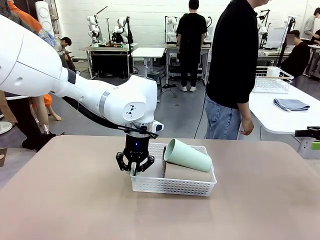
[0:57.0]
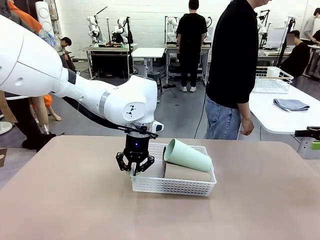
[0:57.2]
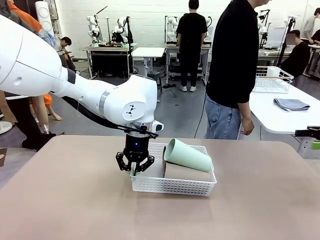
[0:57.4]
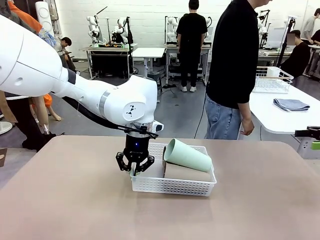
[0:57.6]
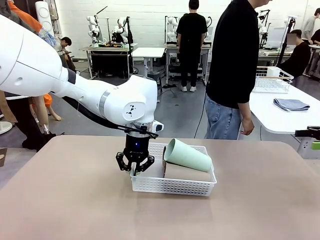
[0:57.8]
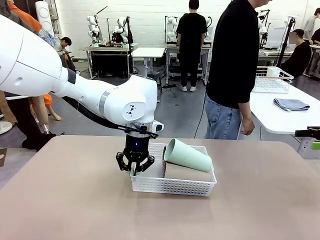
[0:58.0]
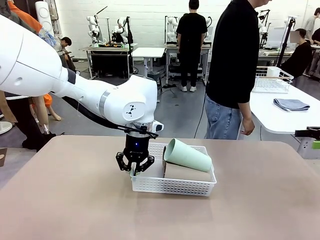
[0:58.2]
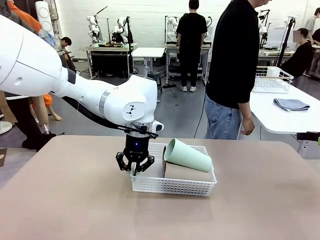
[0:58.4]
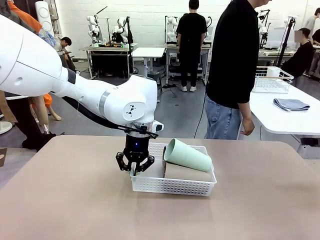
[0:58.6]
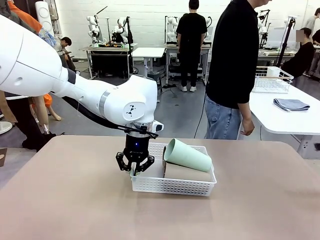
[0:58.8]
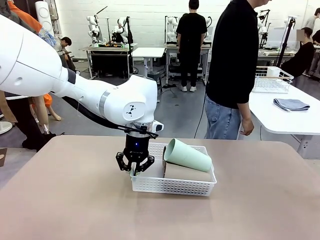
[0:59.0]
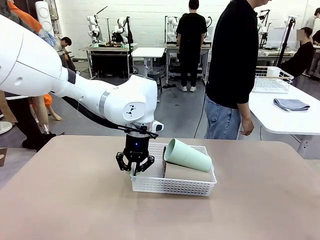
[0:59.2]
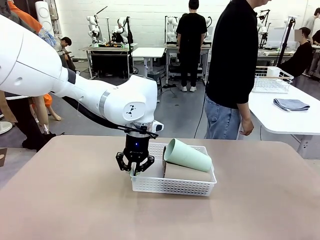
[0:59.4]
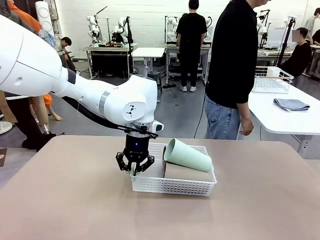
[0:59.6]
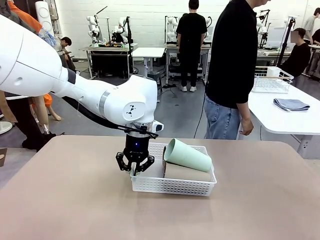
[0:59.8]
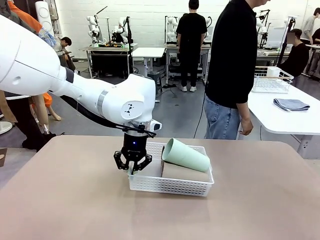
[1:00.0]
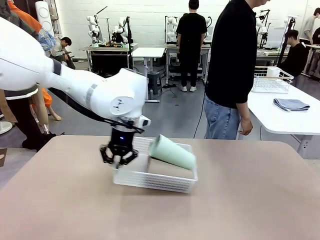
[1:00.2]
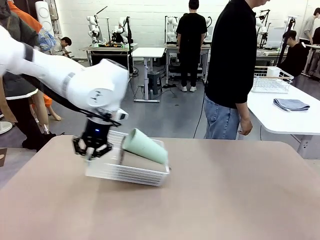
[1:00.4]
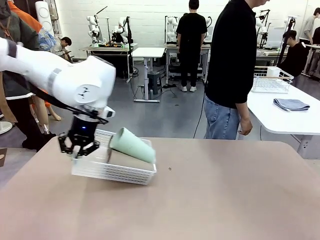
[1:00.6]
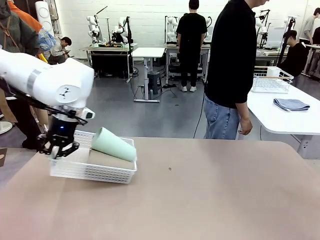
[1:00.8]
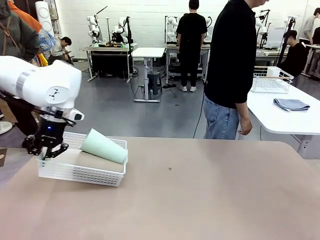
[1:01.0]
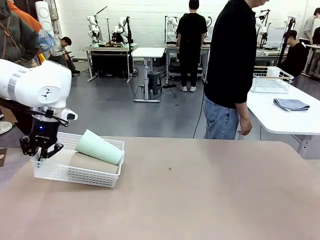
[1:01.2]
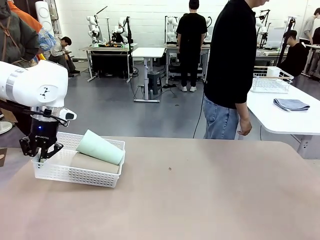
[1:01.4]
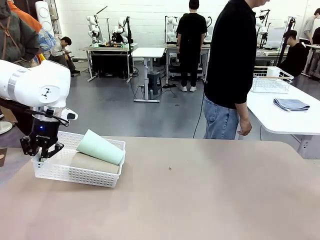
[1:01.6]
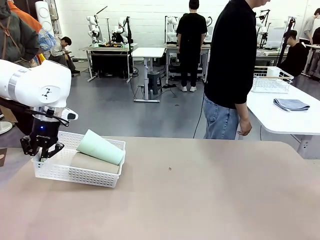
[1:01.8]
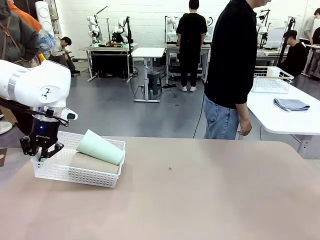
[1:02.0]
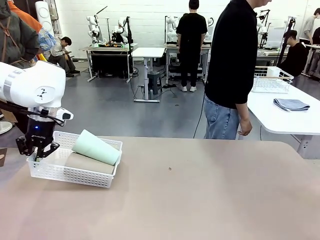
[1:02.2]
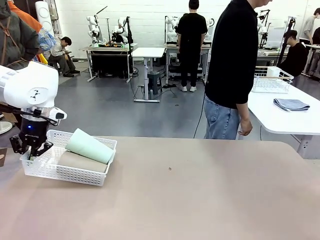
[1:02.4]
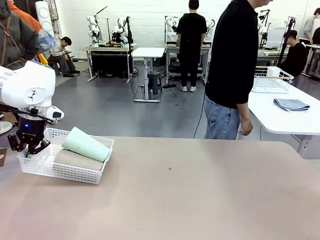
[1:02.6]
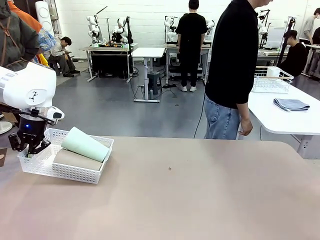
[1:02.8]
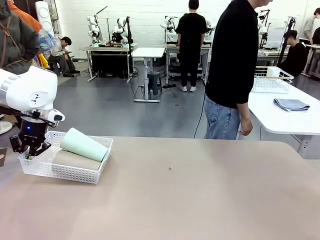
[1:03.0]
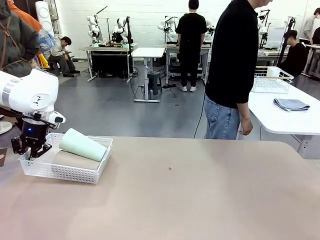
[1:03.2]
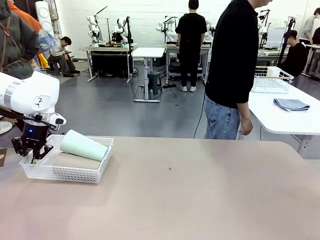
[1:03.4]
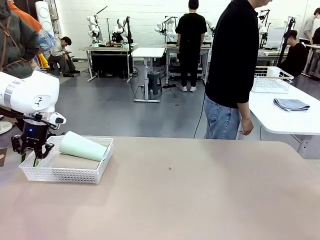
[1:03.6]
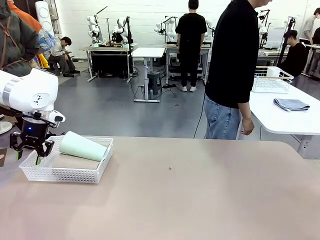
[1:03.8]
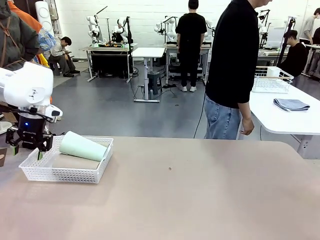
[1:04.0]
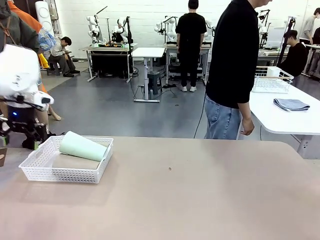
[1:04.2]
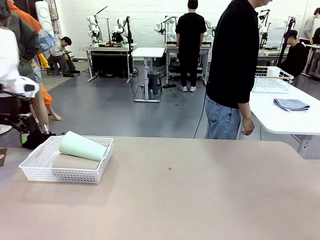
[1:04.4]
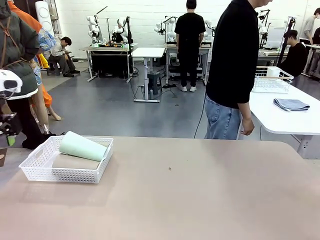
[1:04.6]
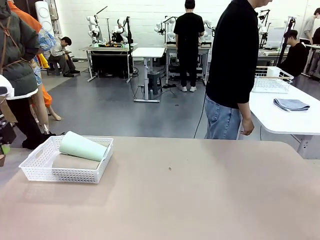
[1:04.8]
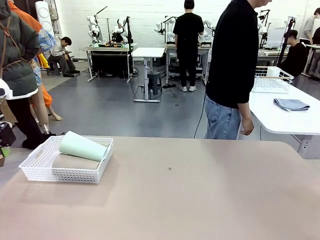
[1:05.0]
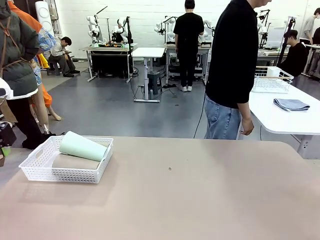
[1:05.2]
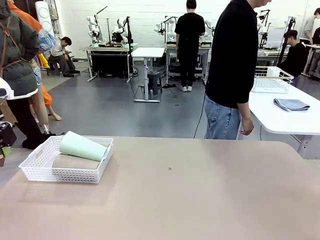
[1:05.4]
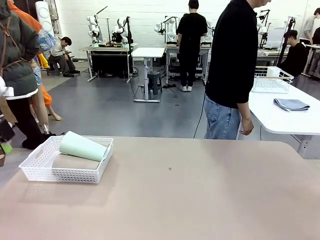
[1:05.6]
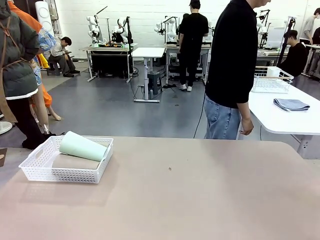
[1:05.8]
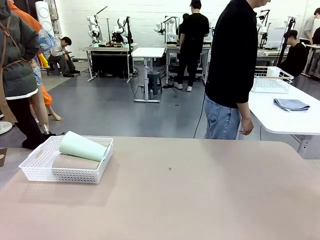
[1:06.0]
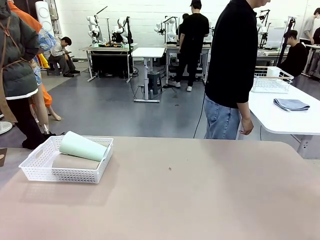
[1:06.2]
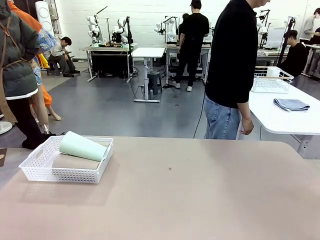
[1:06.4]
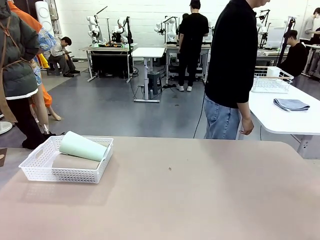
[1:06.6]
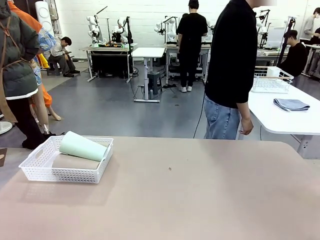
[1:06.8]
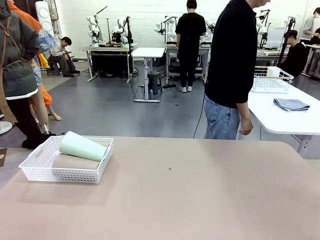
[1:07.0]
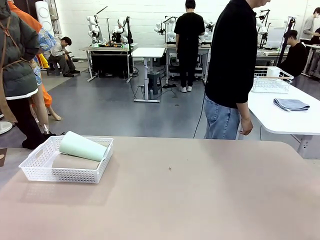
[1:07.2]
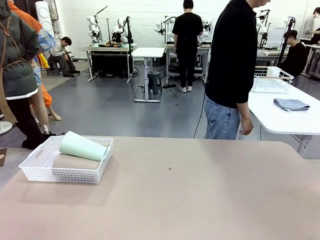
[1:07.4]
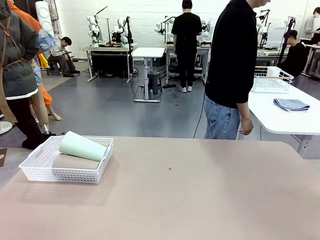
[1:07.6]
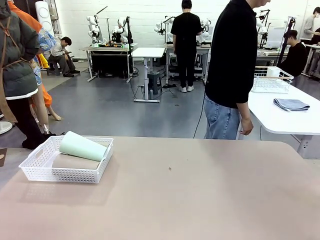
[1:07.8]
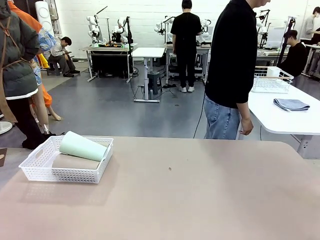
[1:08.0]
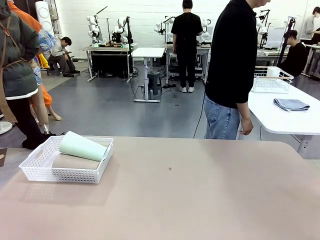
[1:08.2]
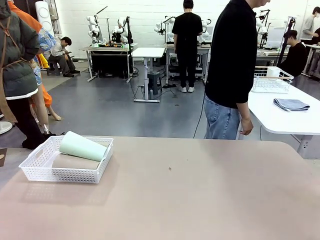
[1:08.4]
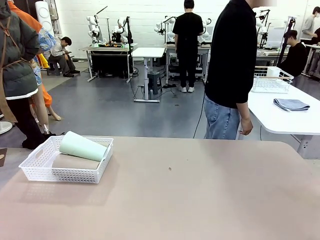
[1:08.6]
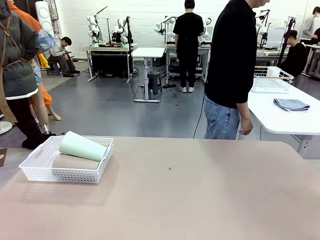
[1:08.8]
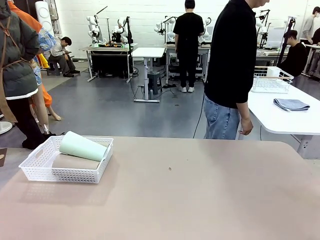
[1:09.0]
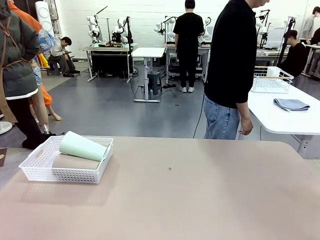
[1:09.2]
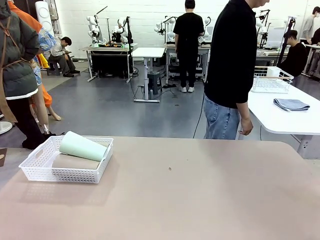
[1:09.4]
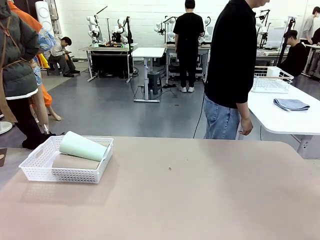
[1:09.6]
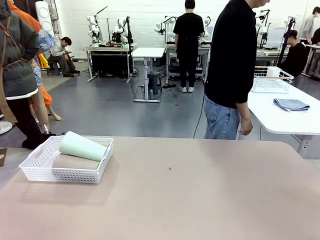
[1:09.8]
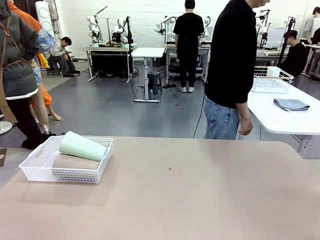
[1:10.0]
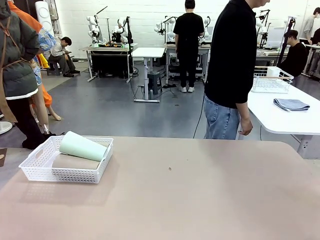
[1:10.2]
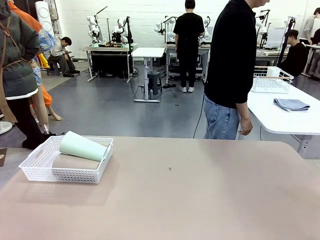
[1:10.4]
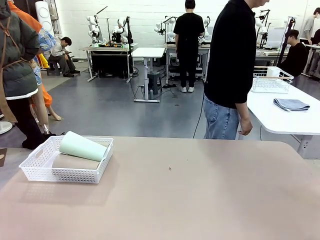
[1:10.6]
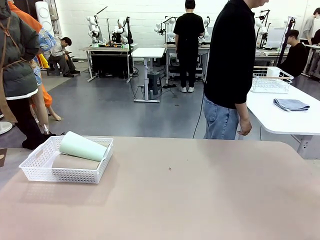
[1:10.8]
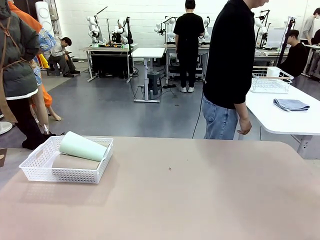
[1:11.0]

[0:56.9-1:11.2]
Task: Clean and organize the cups into the basket.
Robot: Move the Organizing basket back to the left side of the table.
Person: Folds the towel in half twice and places it in the right of the table.
